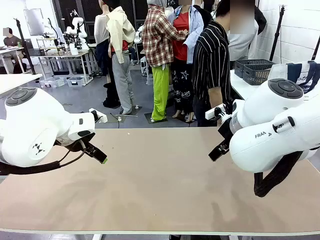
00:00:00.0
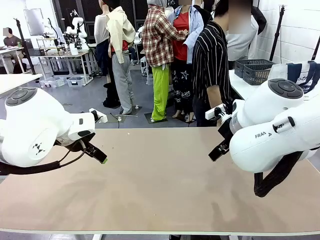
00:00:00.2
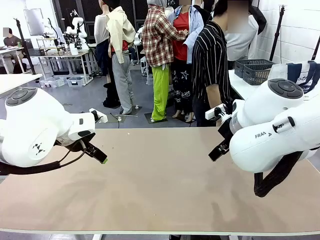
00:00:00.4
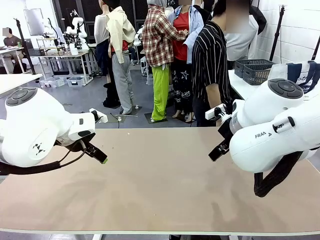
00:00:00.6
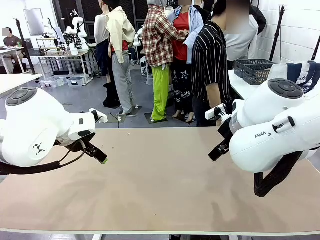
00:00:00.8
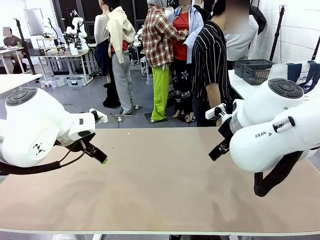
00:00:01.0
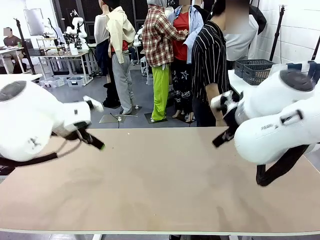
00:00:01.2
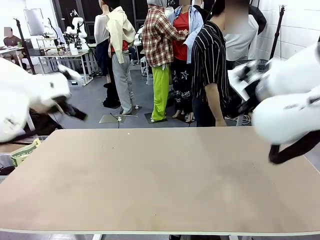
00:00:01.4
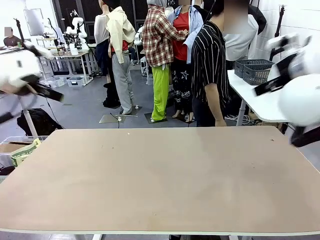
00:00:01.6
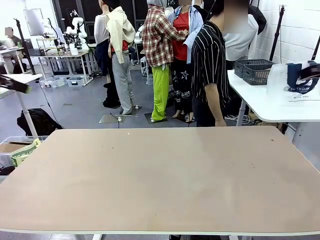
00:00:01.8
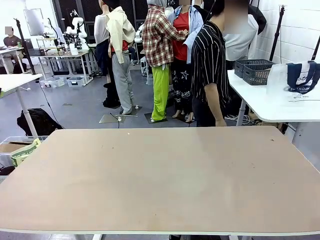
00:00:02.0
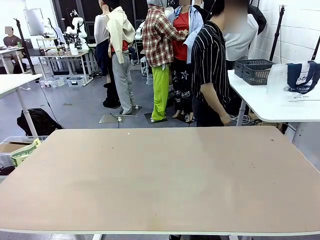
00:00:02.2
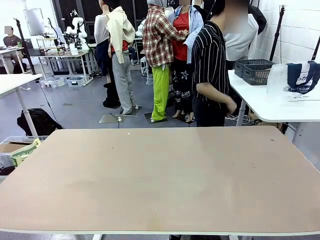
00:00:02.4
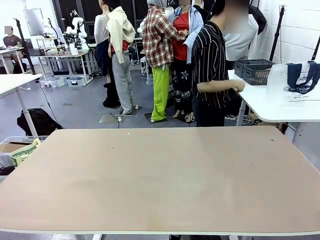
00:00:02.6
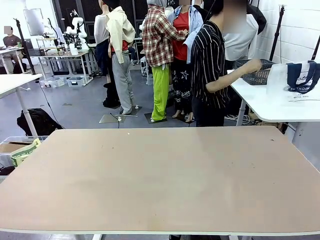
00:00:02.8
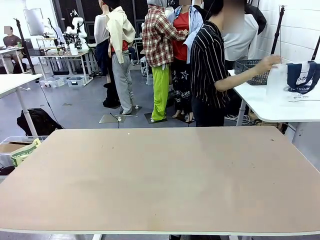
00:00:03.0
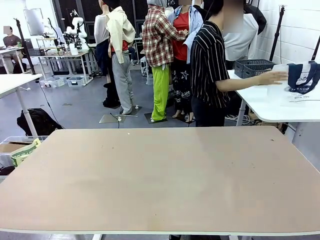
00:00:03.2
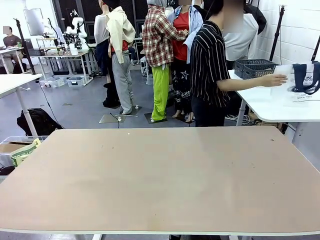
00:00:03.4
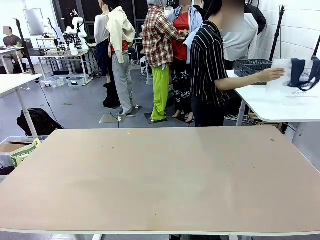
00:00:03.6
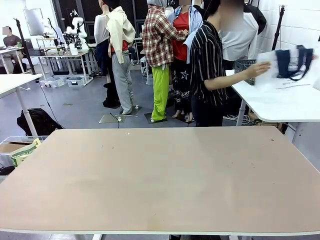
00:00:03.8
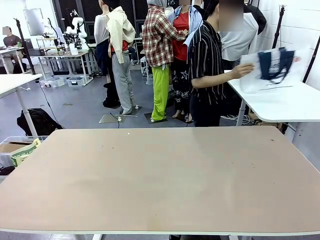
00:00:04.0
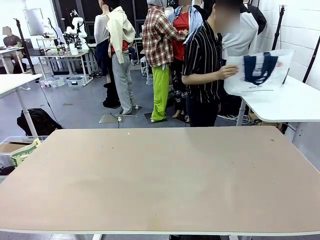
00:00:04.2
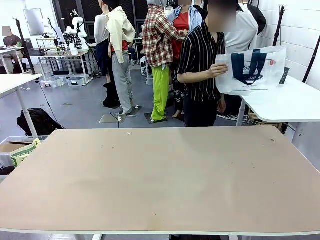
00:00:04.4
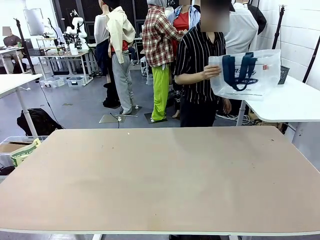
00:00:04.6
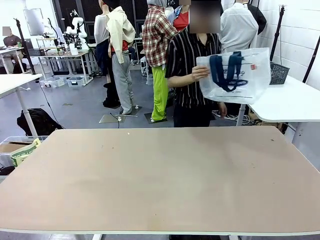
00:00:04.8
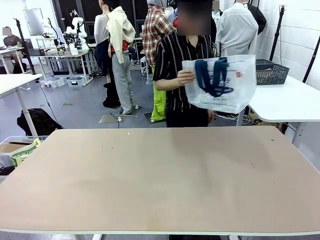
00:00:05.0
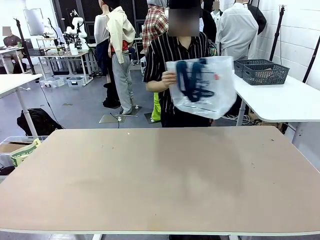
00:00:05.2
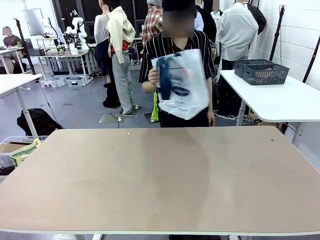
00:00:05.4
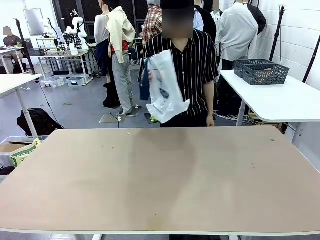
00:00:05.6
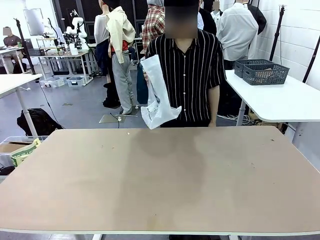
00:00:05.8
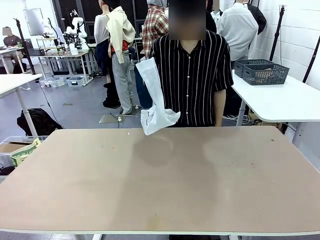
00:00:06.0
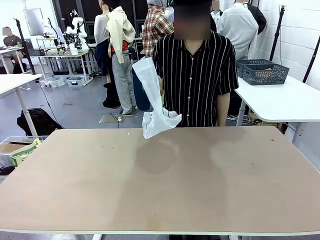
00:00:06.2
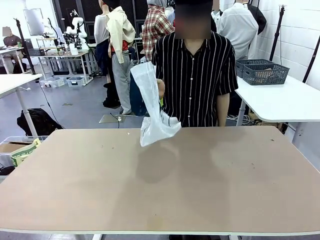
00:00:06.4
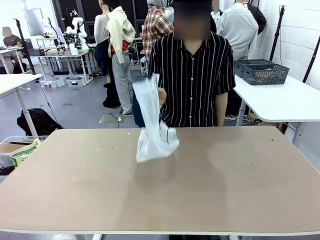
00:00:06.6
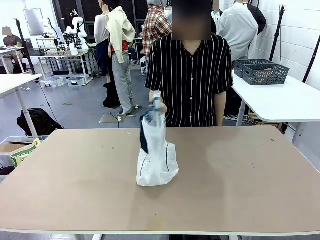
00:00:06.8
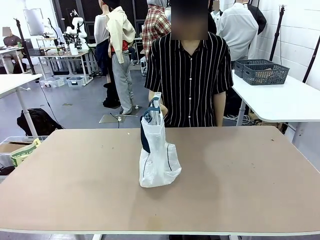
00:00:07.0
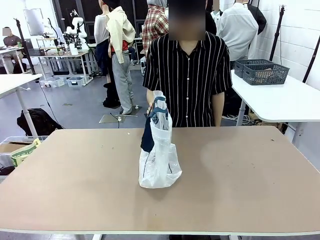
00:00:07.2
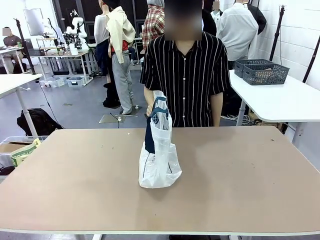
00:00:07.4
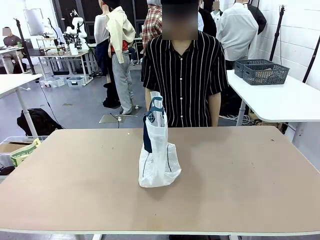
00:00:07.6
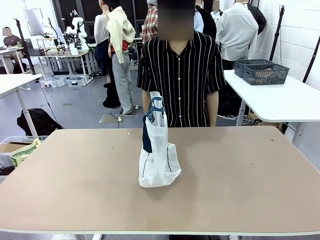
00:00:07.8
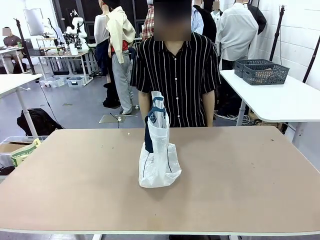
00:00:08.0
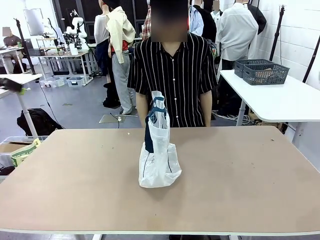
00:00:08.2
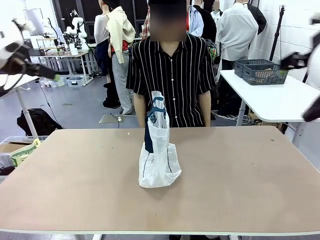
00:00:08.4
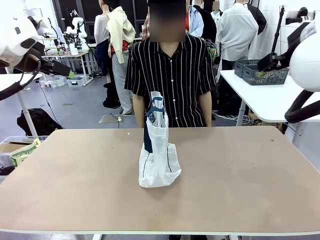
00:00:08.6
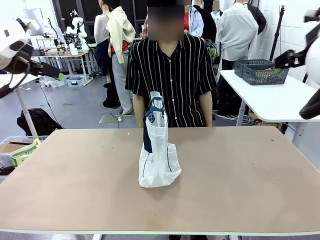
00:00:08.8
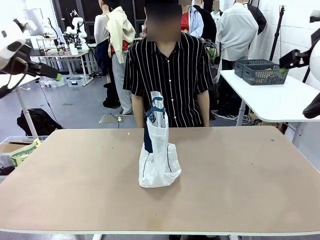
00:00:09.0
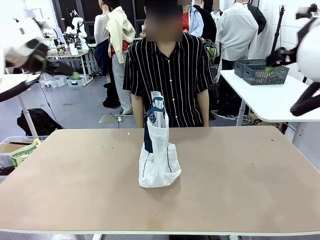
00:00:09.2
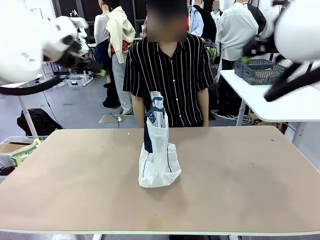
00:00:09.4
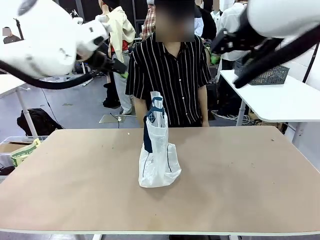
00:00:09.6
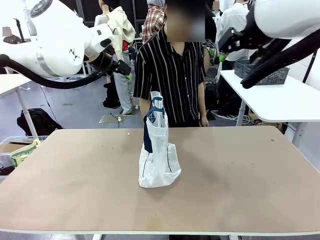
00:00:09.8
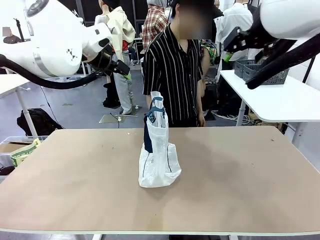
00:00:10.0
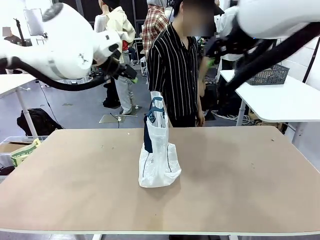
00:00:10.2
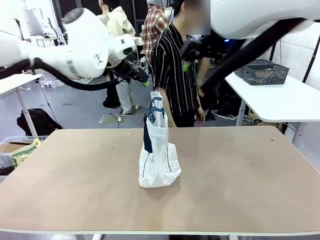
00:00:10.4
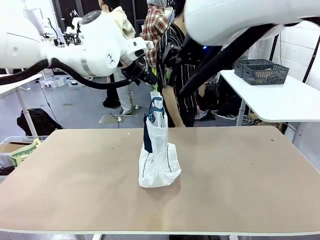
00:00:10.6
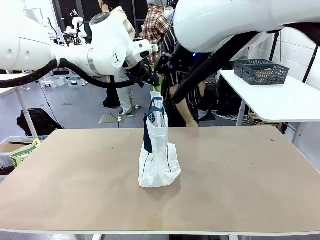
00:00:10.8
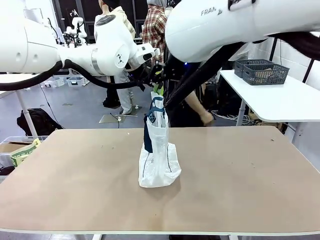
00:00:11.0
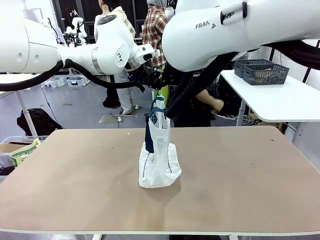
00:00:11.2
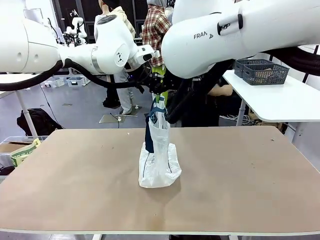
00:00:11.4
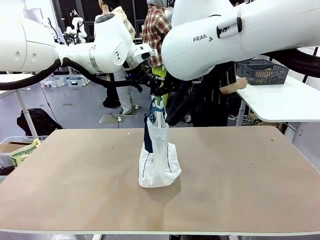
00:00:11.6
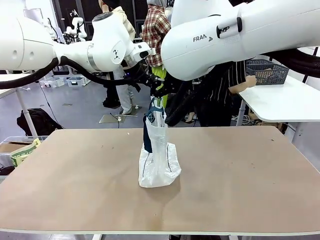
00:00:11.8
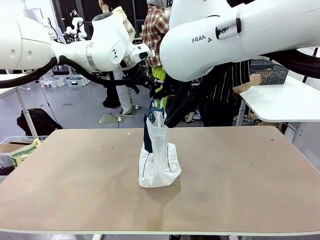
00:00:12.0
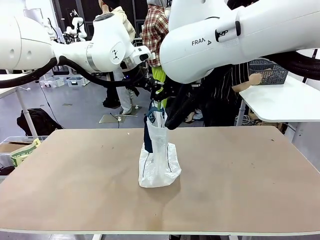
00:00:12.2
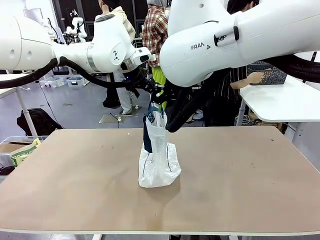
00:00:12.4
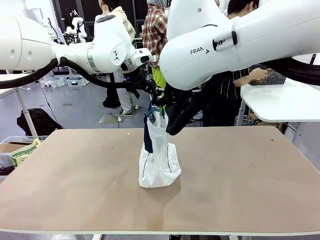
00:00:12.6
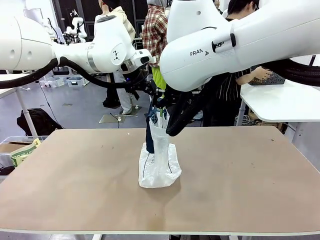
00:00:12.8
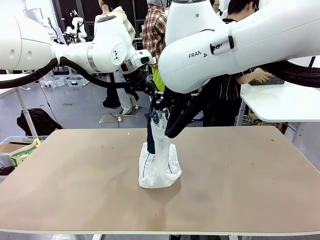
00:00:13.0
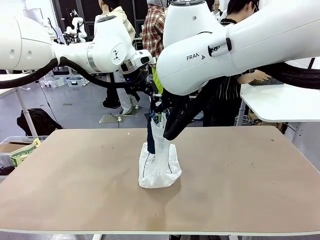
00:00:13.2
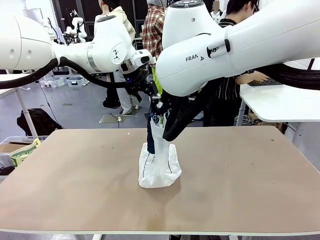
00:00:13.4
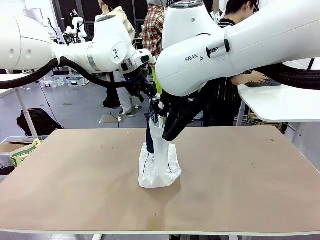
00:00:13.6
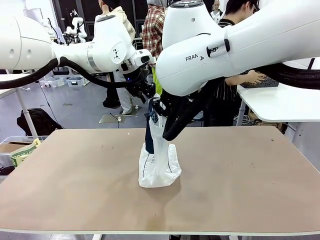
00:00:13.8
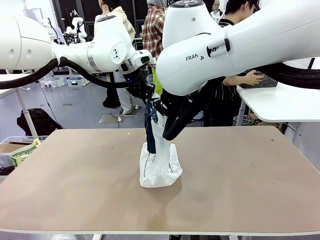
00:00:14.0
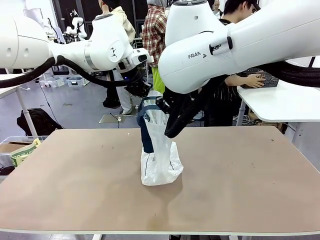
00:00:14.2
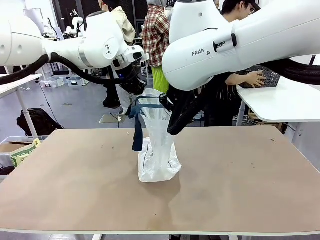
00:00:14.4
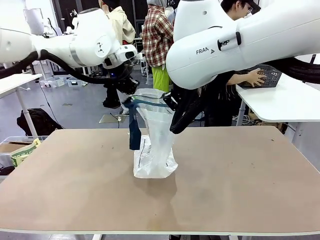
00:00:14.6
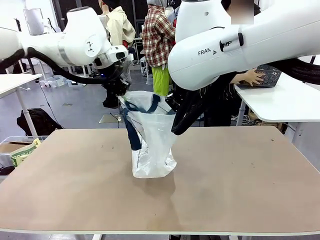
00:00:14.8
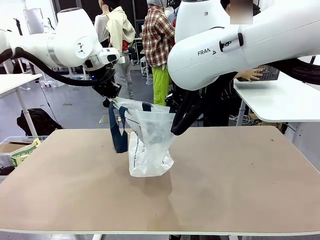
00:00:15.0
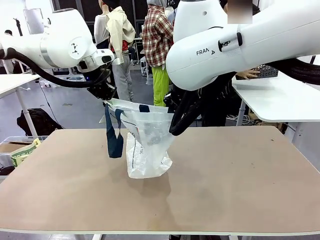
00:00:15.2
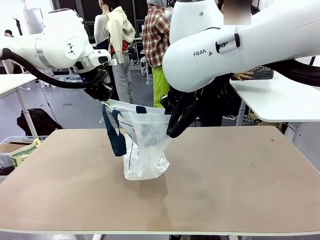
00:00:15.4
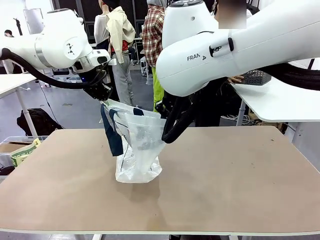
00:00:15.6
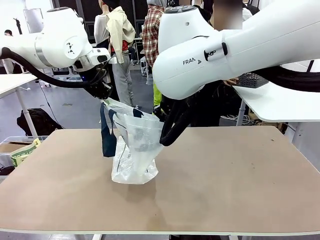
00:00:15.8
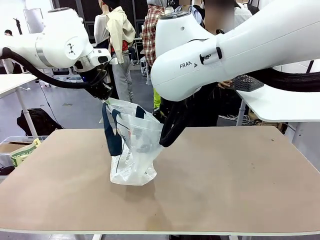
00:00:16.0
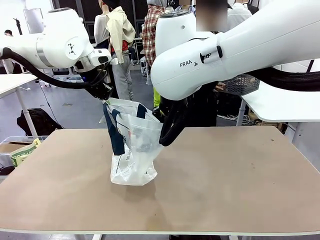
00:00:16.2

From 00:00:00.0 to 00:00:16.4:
Task: Transfer purchased items from the store into the shopping bag.
Robot: Open the Reusable shopping bag in the center of the table.
Person: Pick up the shopping bag and place it in the middle of the robot table. Pick up the basket on the right, place it on the left side of the robot table, and move the items in the basket to the shopping bag.
